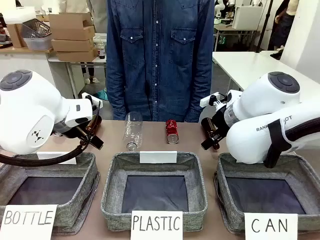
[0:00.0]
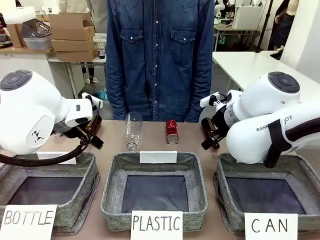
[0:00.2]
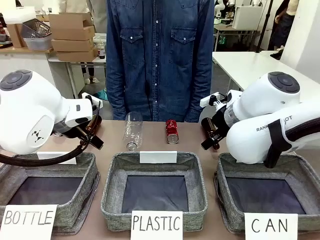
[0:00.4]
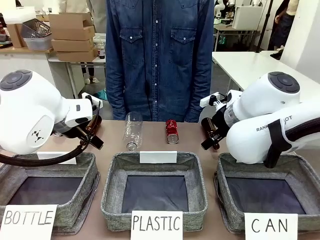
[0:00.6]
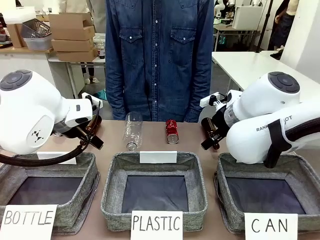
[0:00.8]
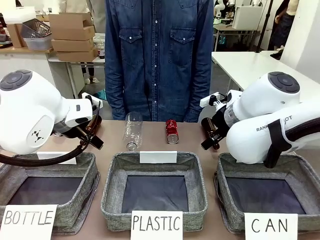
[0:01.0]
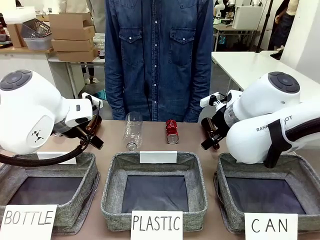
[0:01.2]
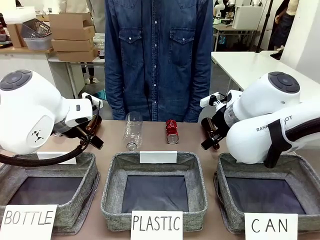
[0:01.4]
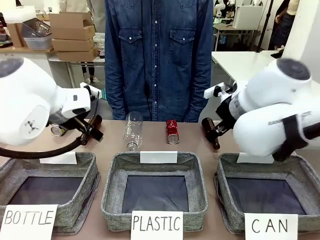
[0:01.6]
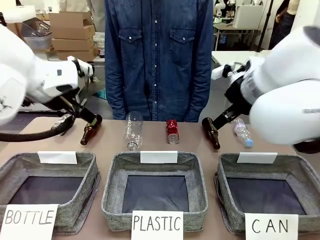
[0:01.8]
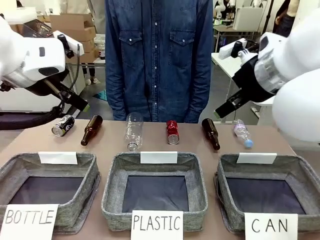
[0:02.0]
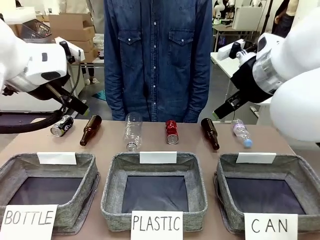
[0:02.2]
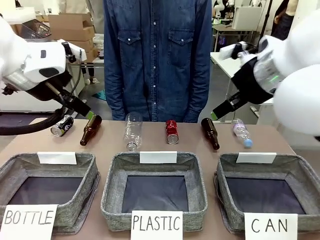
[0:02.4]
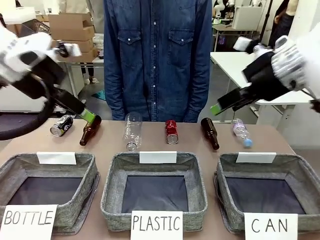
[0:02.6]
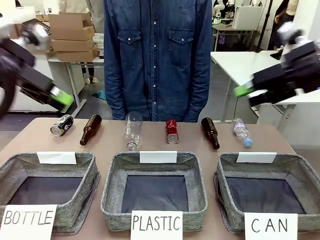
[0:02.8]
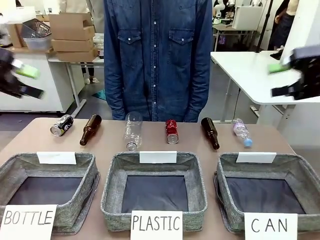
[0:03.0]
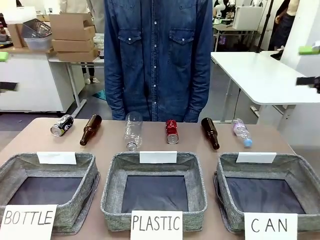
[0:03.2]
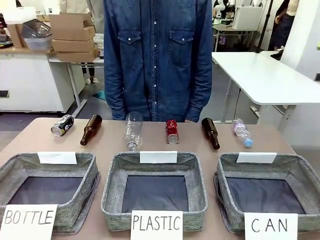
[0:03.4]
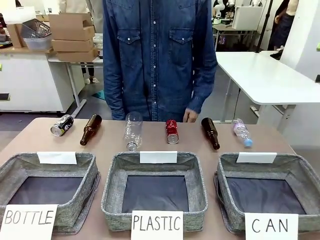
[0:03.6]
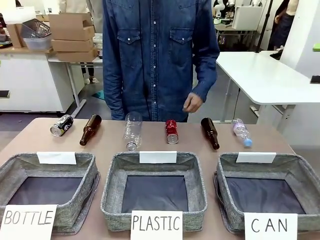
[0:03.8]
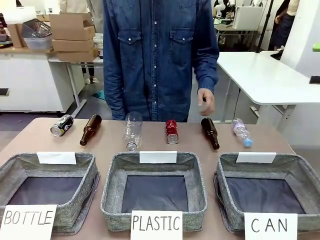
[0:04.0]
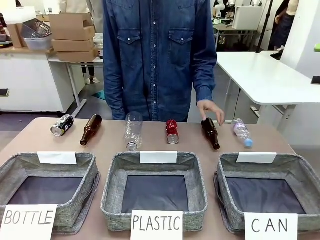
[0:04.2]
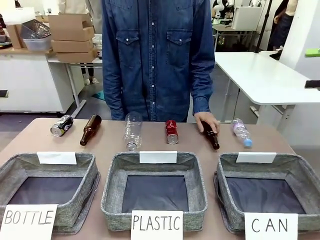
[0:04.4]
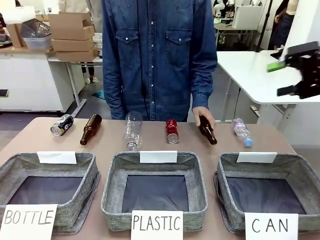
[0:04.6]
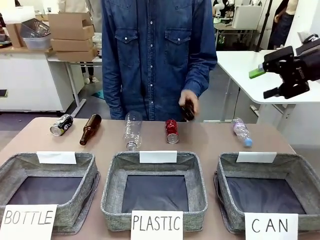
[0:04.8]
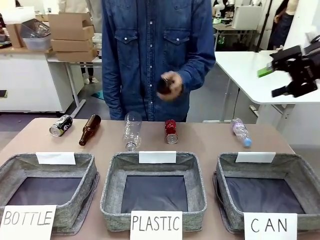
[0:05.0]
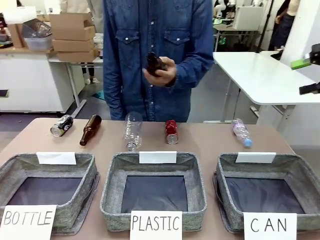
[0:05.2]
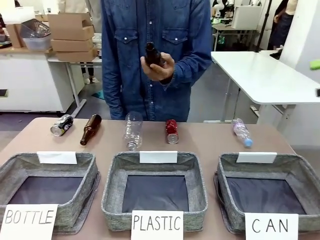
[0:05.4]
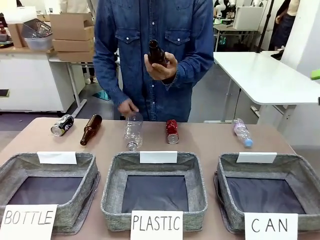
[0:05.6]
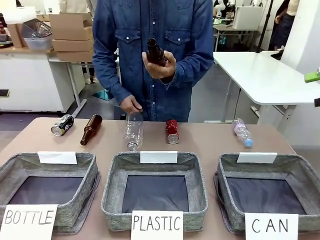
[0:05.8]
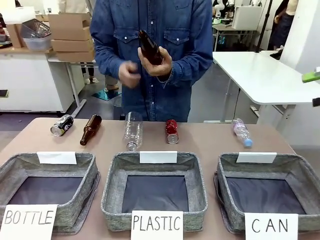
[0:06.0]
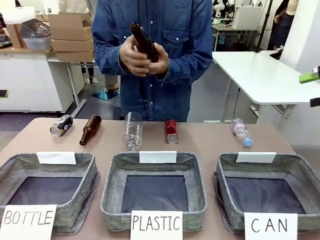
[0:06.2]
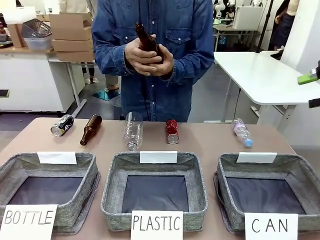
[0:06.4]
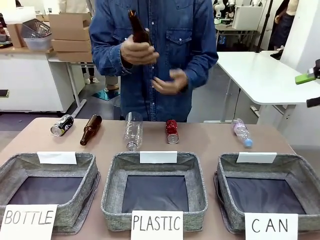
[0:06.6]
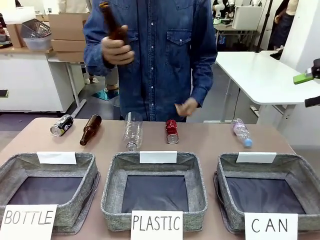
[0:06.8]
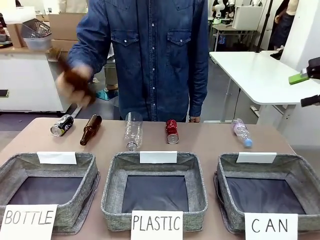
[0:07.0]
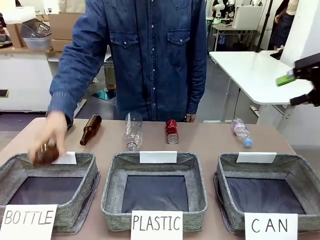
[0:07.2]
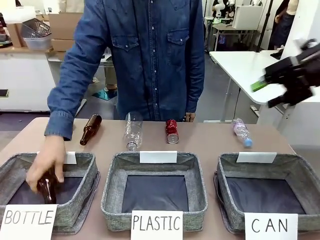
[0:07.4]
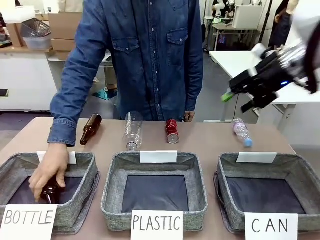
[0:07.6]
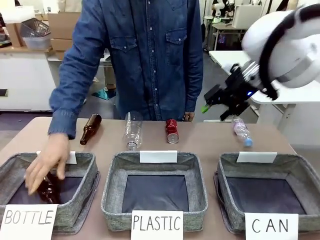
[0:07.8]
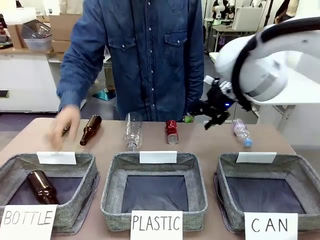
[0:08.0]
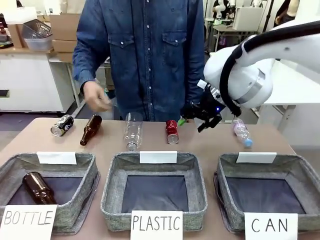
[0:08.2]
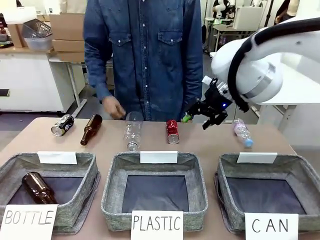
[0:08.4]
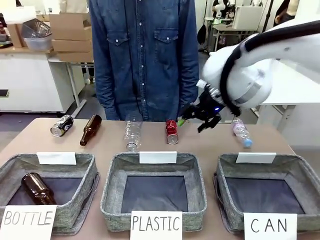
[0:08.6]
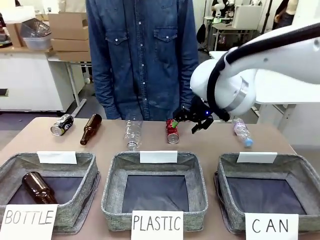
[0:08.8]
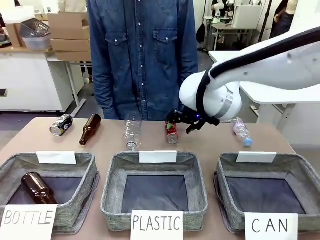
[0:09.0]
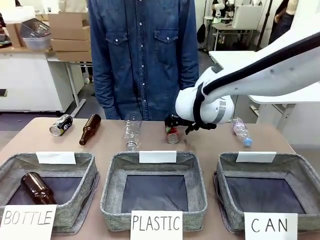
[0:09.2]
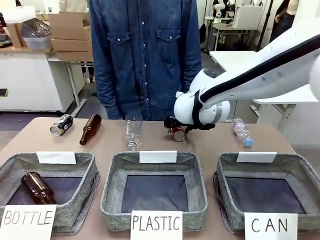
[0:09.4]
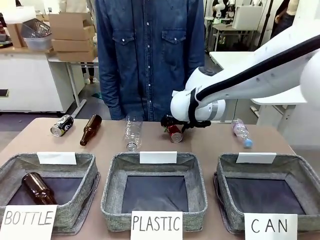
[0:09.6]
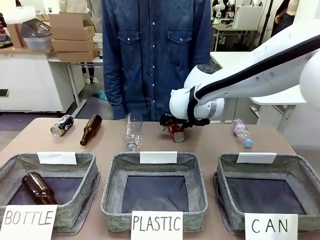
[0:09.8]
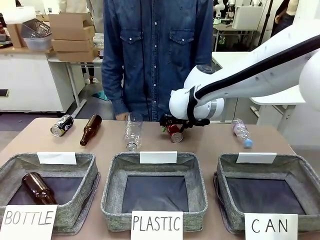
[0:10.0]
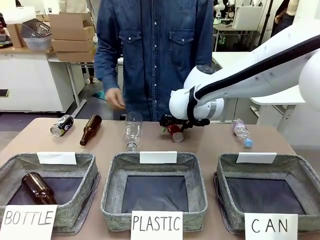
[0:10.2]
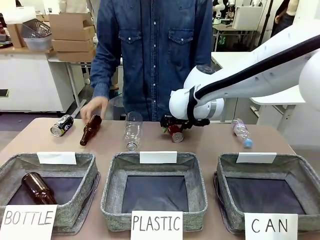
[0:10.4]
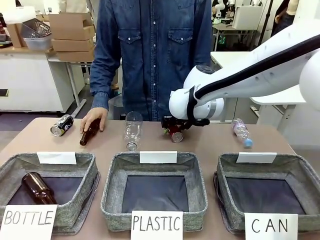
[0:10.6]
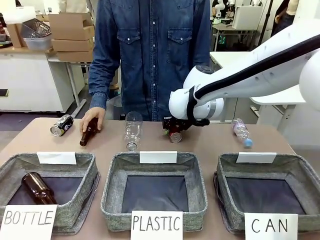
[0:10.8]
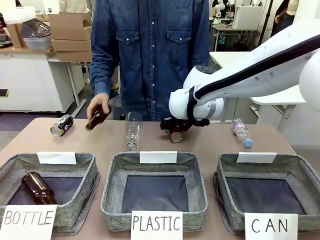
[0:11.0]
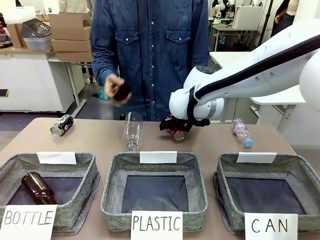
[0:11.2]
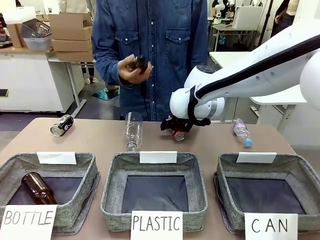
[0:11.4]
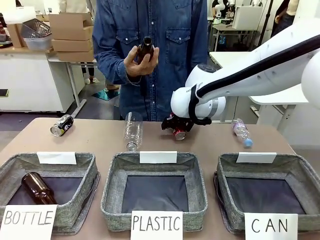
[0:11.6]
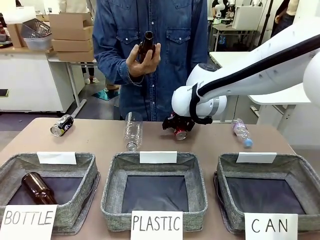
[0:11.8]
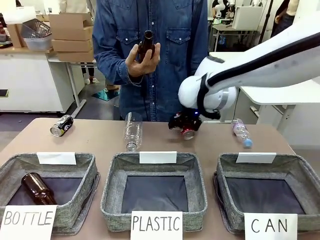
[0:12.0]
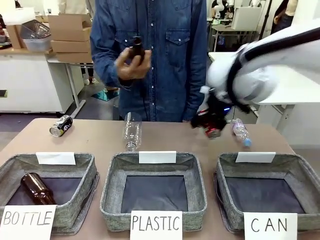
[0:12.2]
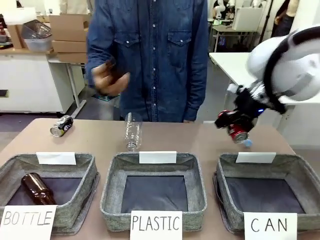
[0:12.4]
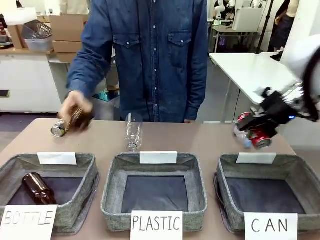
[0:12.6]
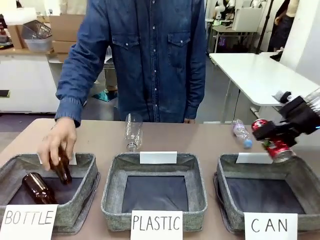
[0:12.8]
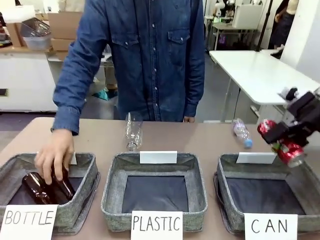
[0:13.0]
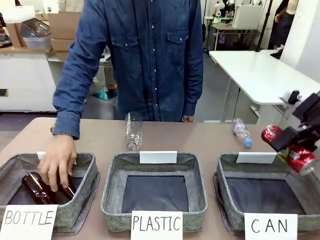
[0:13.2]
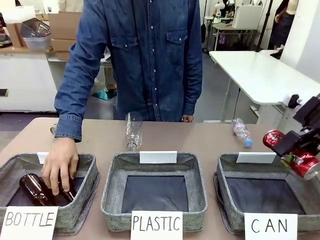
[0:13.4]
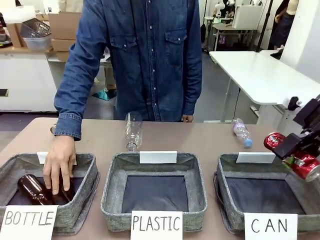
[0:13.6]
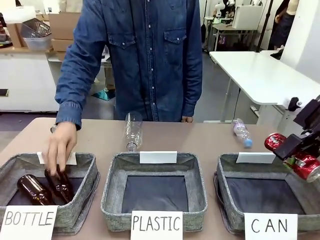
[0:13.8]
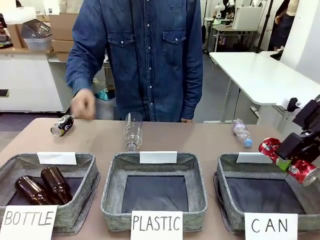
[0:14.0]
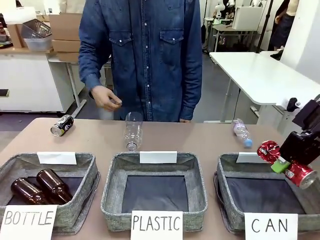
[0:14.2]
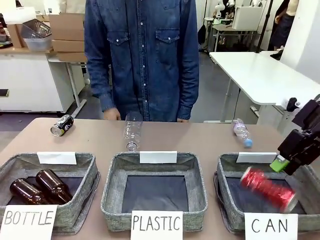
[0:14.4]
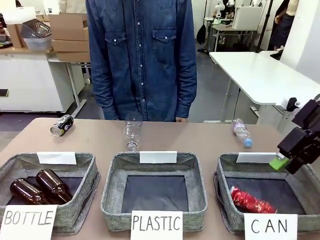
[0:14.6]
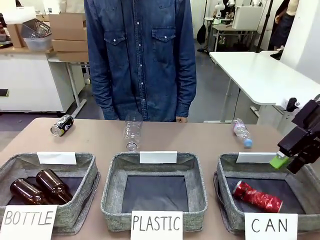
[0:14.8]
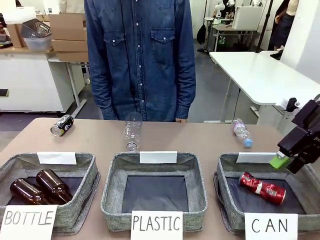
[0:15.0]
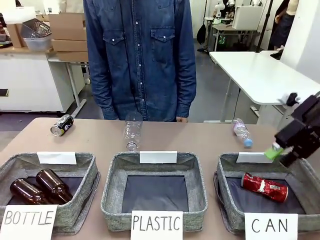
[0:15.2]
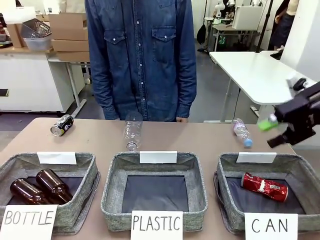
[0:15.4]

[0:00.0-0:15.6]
Task: Sort the can waste into the basket.
Robot: Pick up the can waste from the table and place it in the right Fabric basket.
